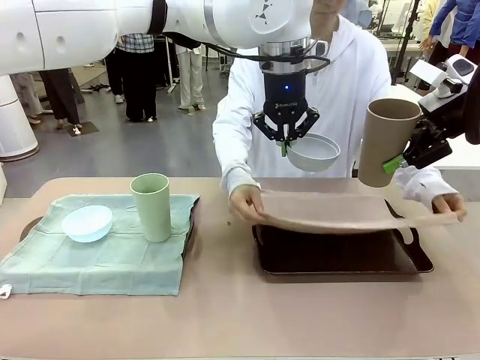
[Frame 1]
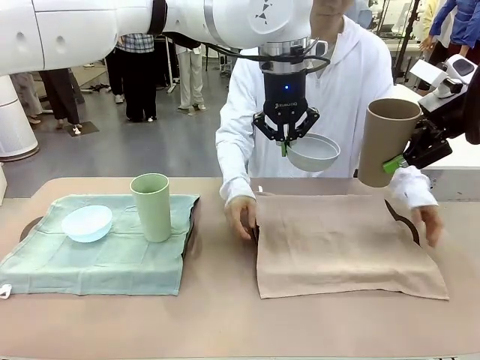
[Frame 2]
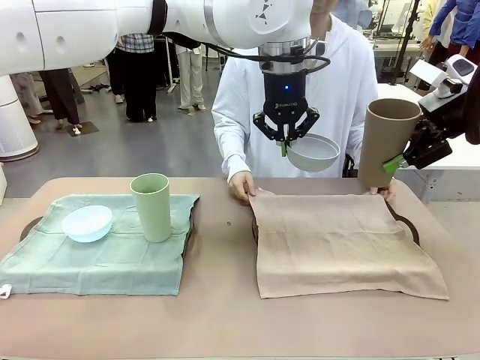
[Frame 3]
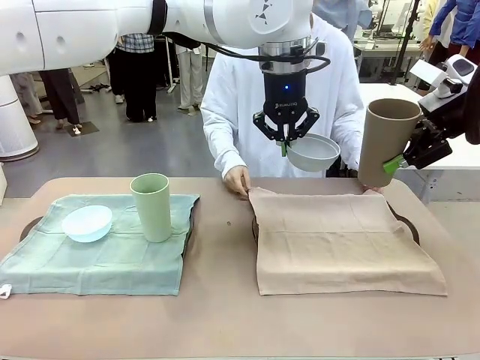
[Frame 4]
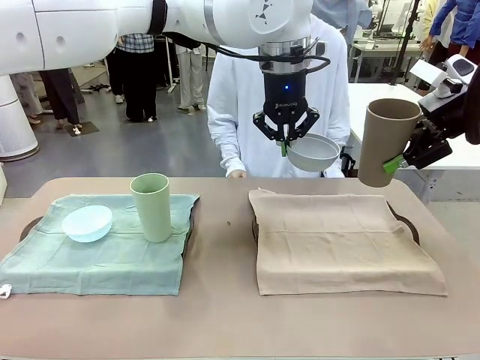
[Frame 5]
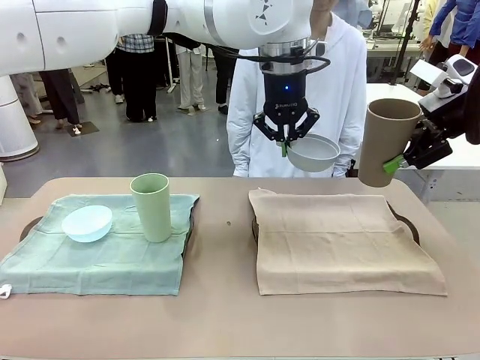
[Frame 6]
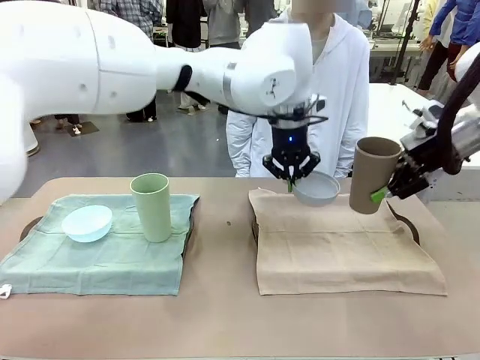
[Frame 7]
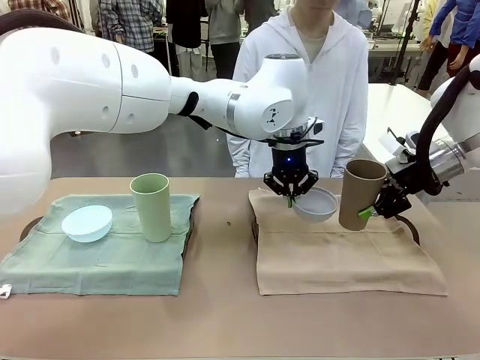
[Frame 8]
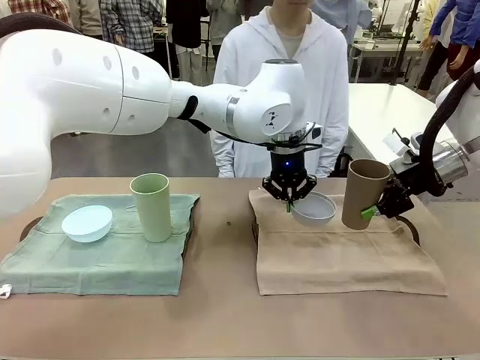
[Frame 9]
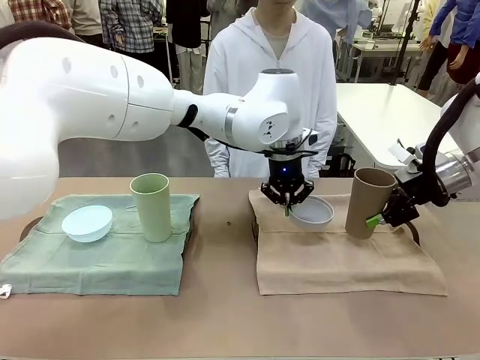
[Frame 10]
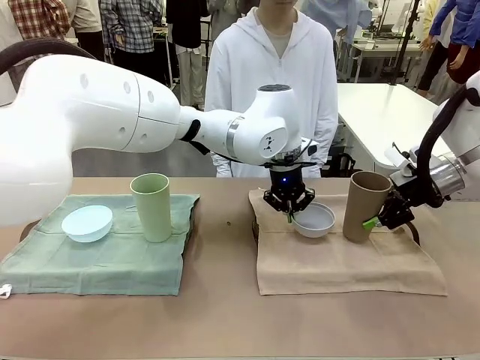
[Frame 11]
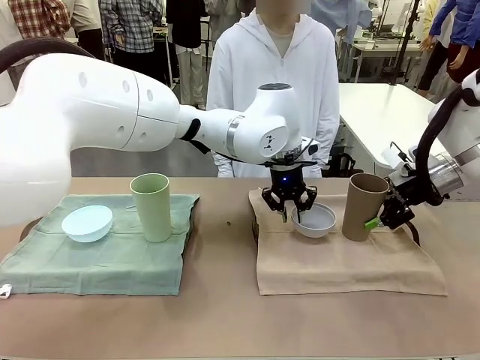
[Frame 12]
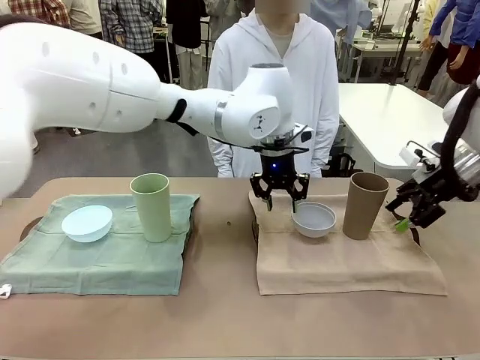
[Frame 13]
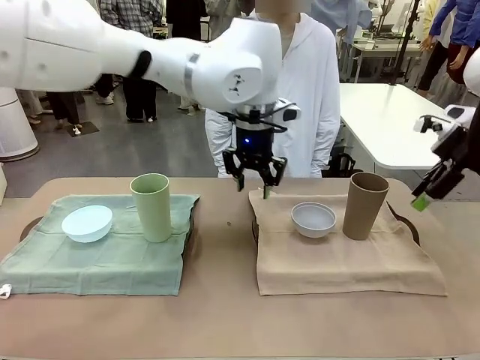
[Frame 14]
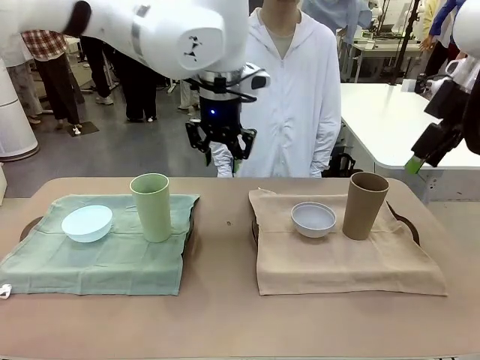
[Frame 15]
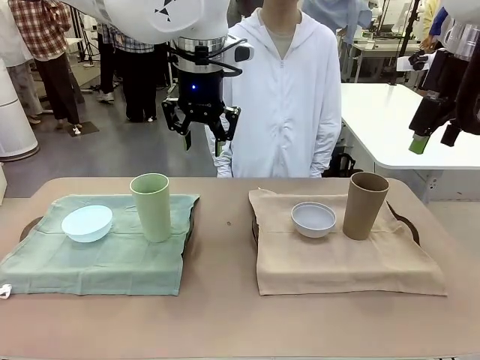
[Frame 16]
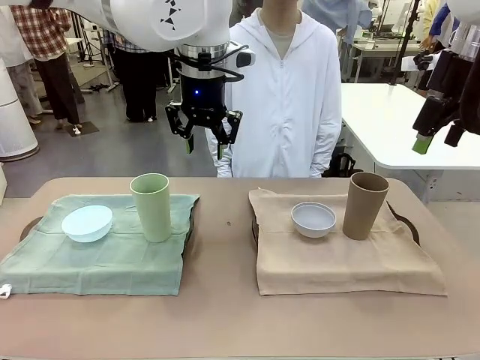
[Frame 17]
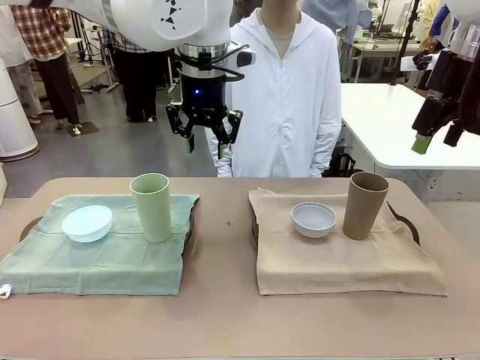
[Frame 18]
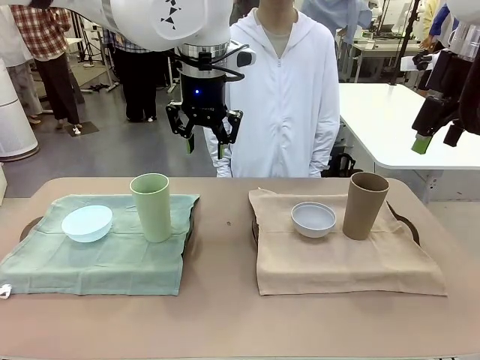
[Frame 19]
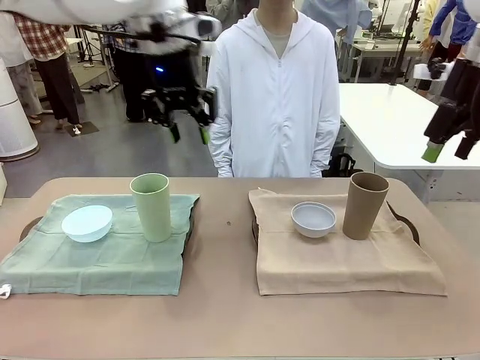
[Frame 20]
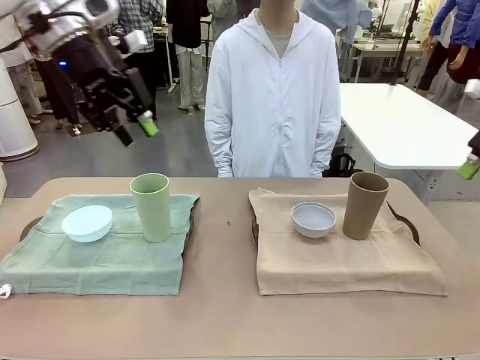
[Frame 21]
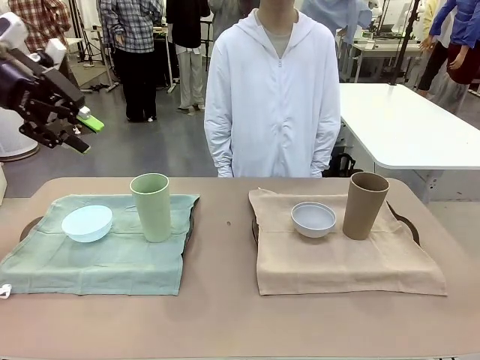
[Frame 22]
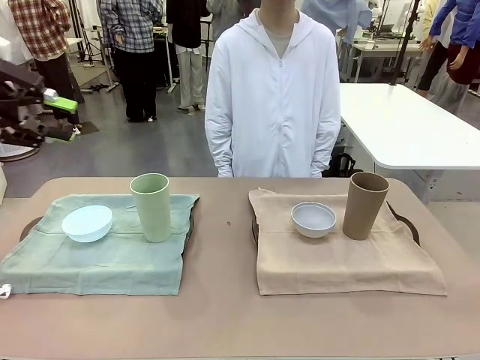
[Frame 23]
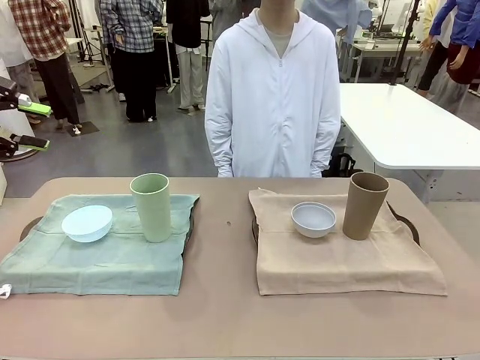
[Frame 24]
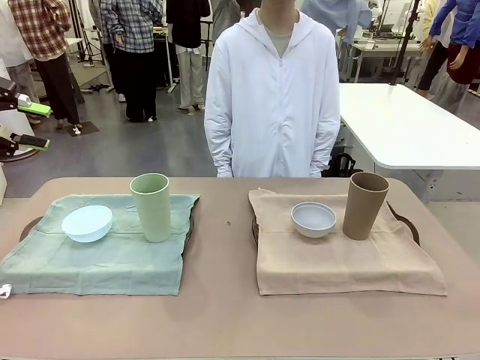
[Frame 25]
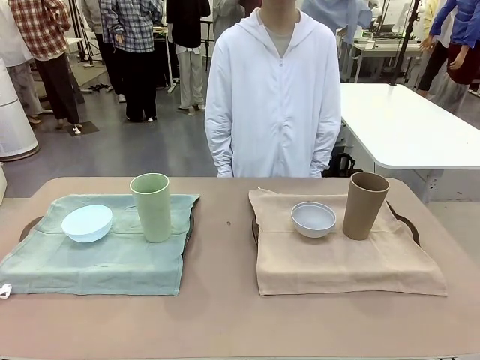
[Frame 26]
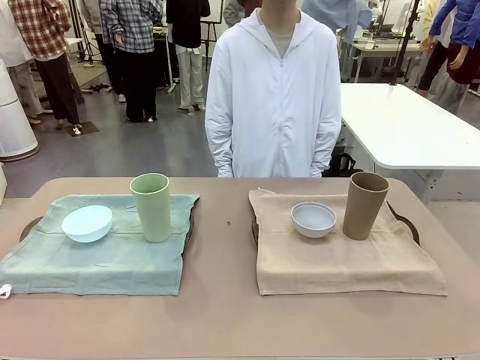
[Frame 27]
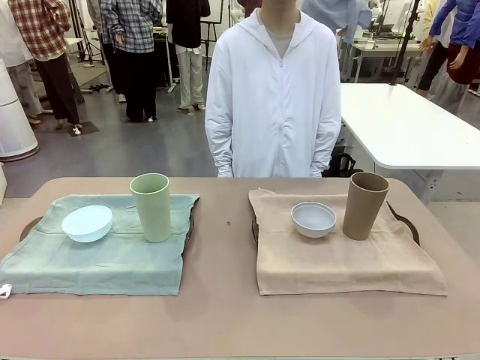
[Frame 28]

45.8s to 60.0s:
Robot: Place the Picnic Bowl and Reusable plastic cup back onto the Handle tray in front of the human's position.
Person: When the robot lifts the bowl and the cup, the human unfolds the napkin and lays the napkin flat on the tray.

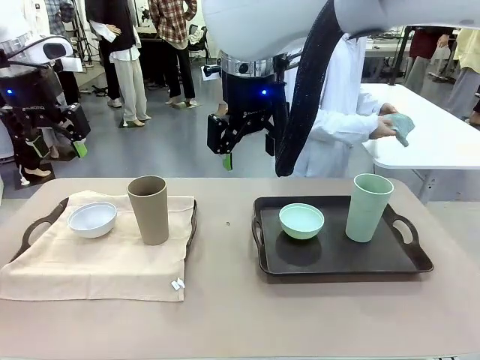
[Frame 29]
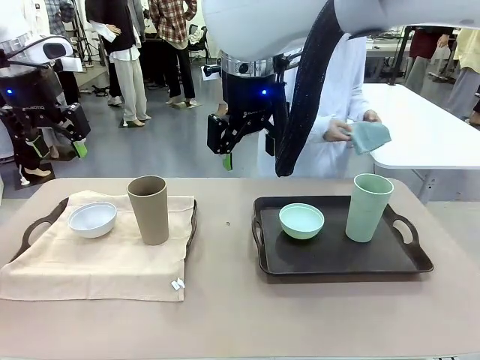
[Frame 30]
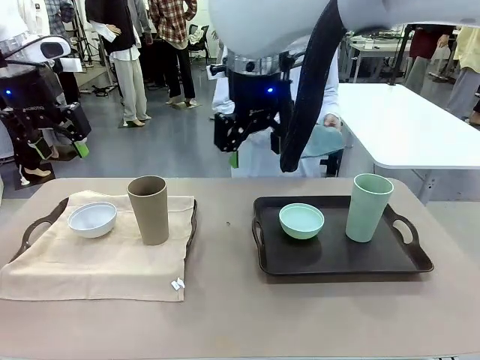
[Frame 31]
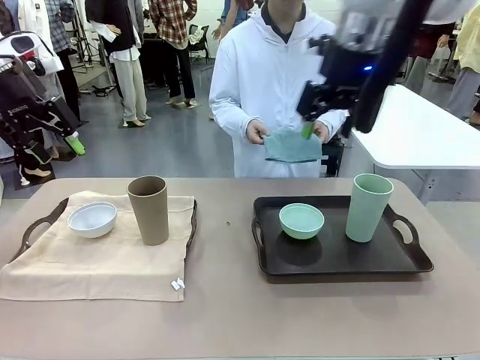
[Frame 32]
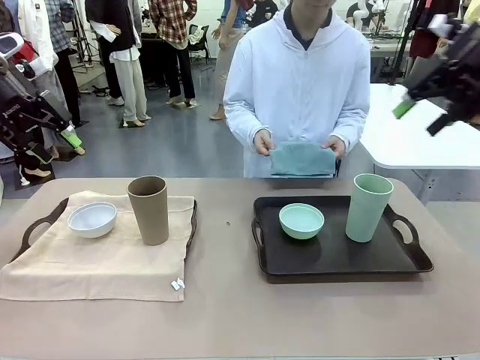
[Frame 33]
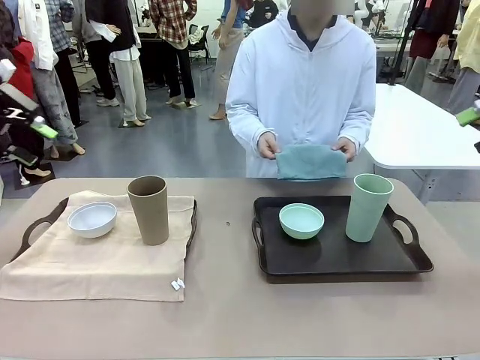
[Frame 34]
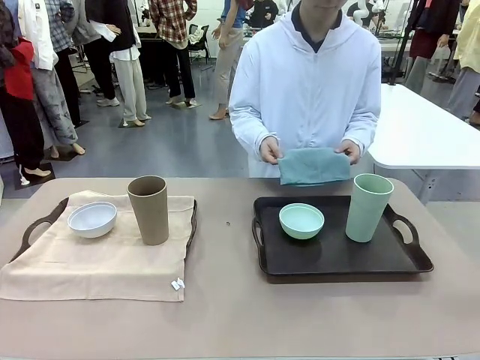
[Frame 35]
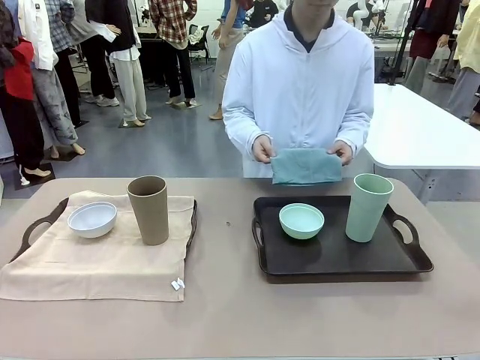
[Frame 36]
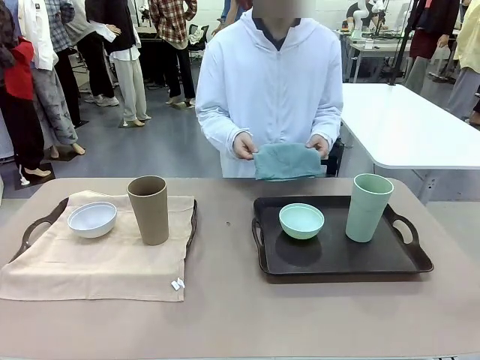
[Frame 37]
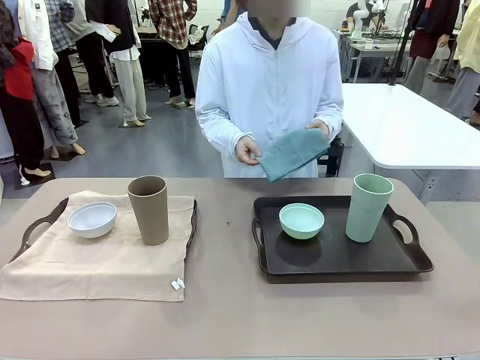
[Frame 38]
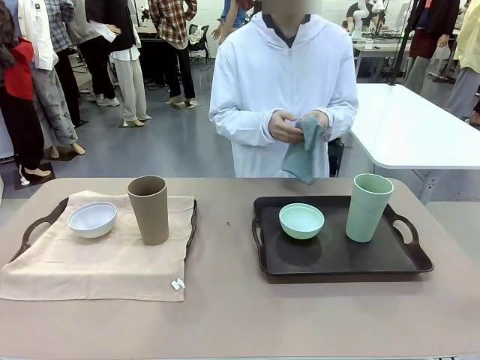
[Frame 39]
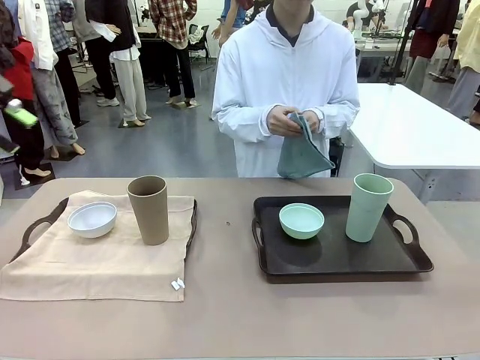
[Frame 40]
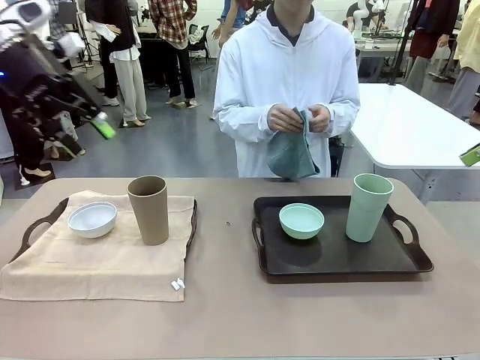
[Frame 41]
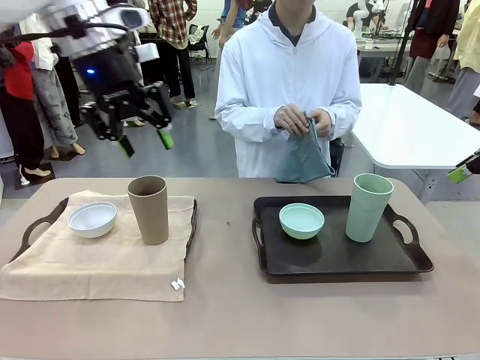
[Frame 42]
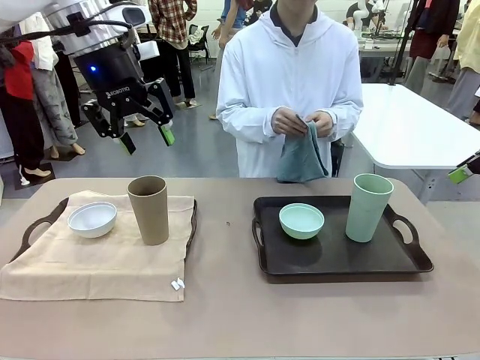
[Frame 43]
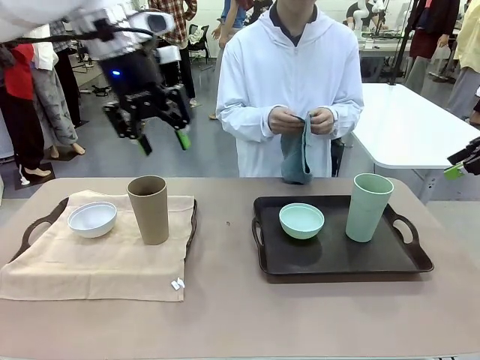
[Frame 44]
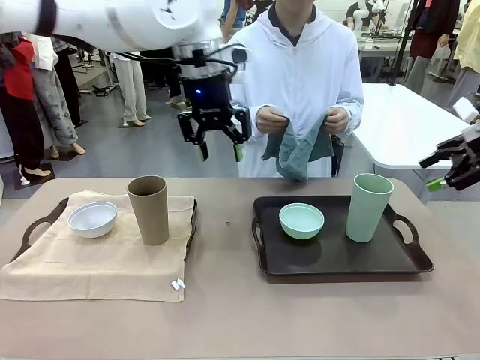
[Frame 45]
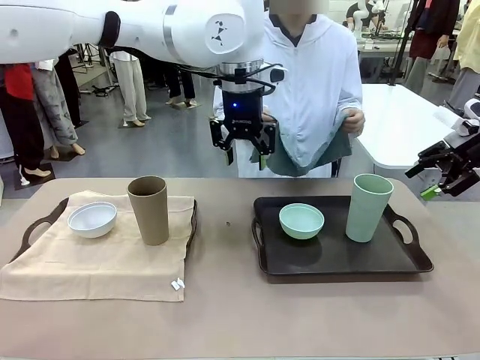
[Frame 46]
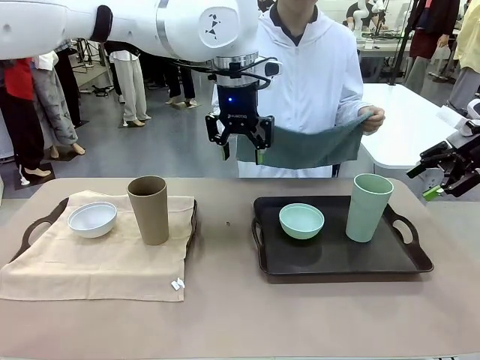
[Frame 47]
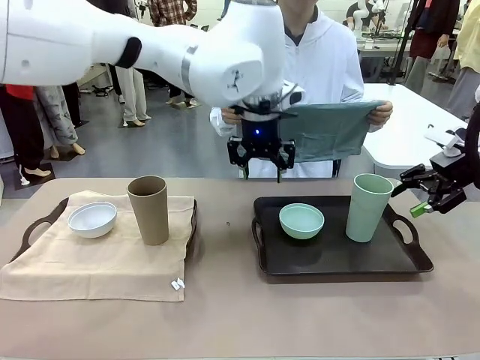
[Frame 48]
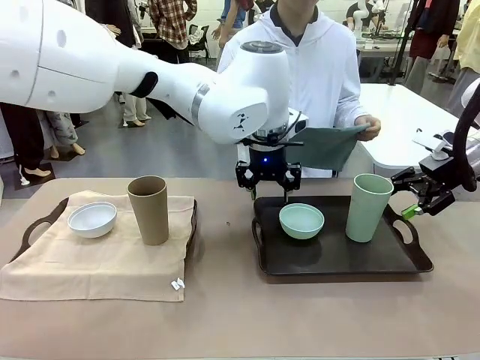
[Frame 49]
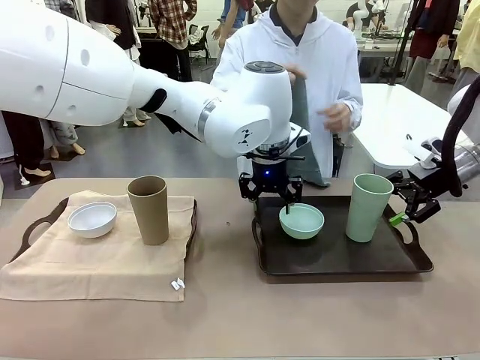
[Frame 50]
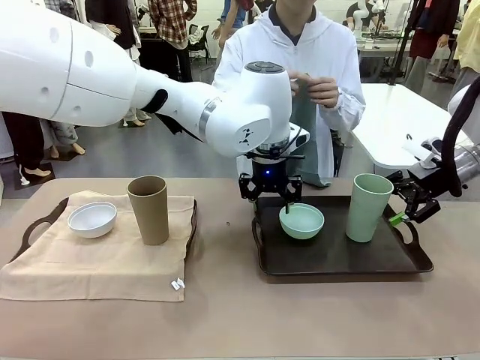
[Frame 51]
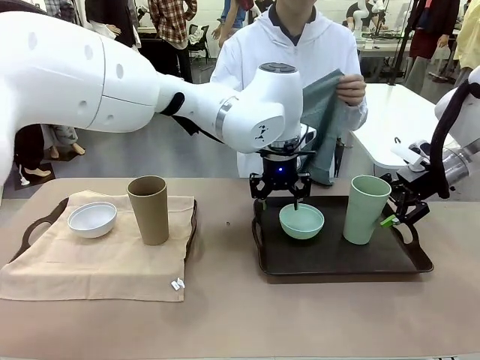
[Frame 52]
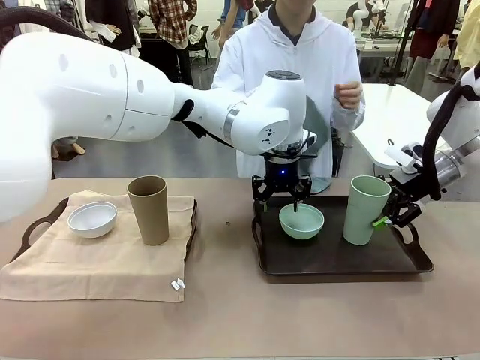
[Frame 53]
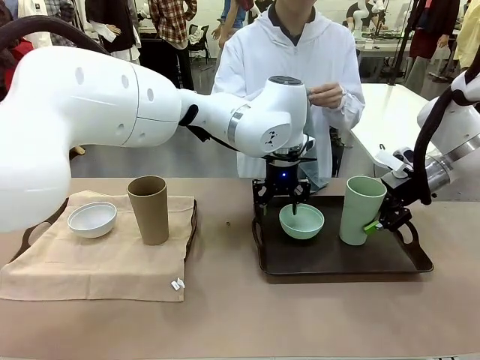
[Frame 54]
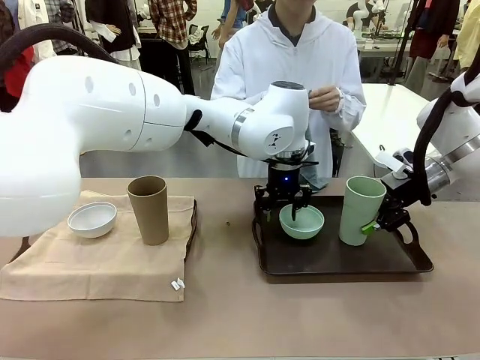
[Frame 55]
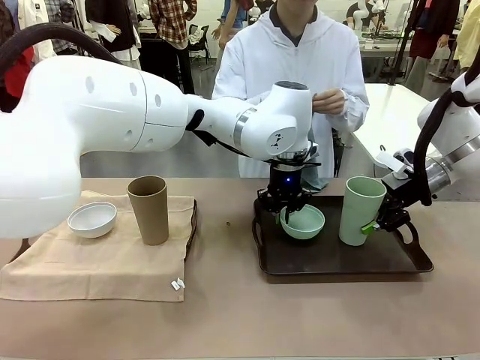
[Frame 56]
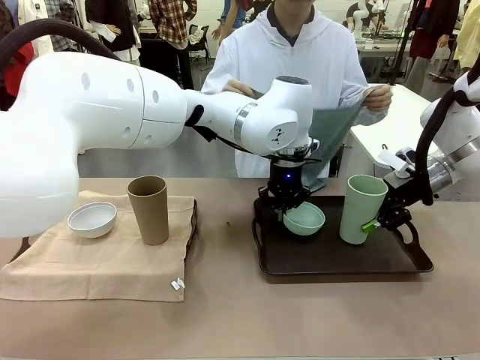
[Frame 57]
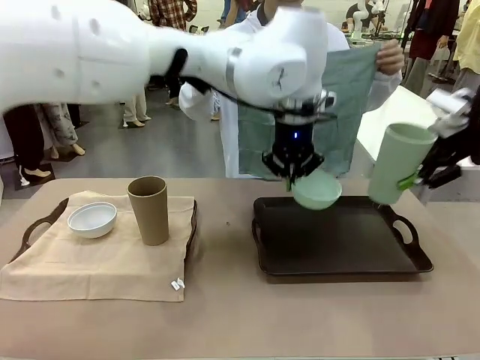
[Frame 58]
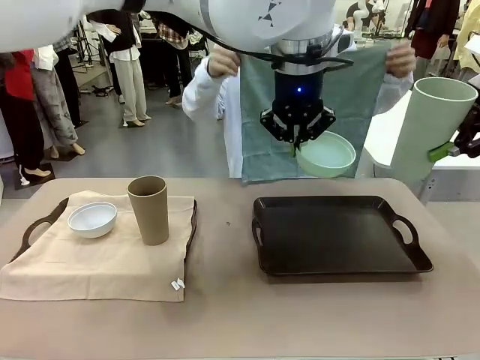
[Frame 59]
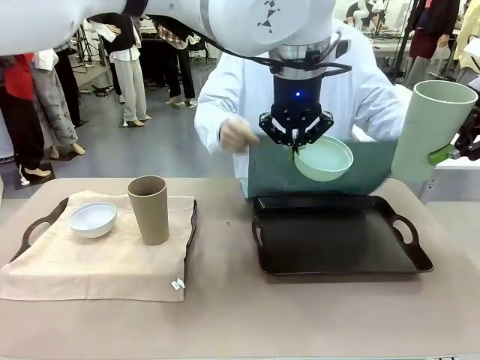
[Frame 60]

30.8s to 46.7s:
Robot: Pick up the Picnic Bowl and Reusable plastic cup from the Handle tray in front of the human's position and hold them in the air.
